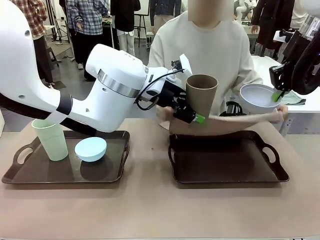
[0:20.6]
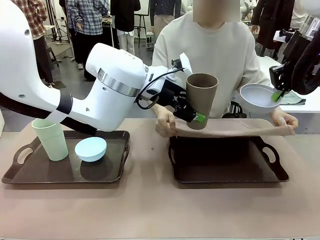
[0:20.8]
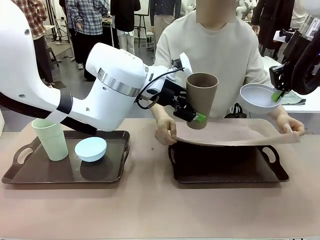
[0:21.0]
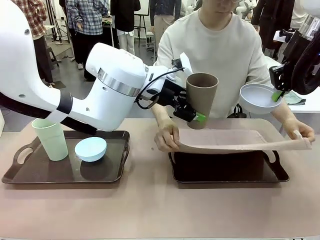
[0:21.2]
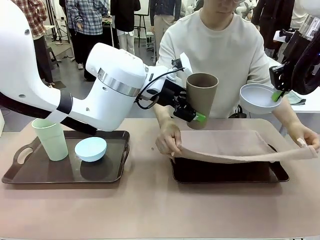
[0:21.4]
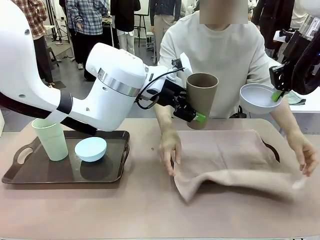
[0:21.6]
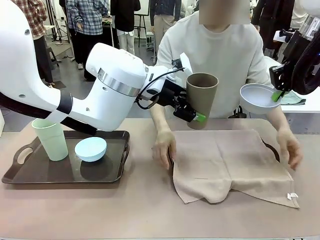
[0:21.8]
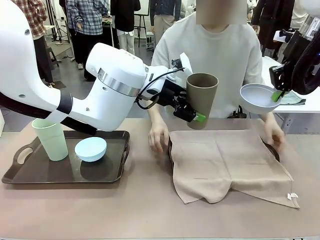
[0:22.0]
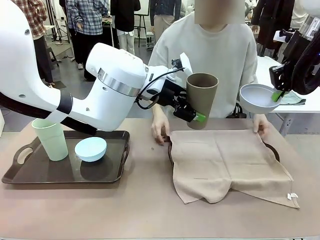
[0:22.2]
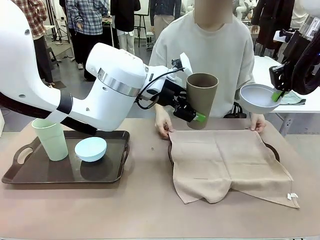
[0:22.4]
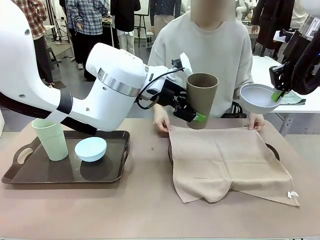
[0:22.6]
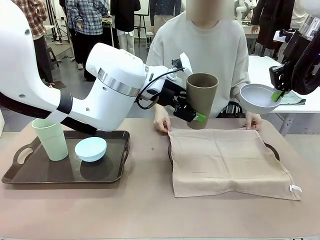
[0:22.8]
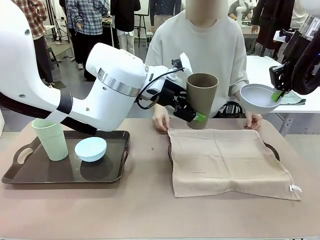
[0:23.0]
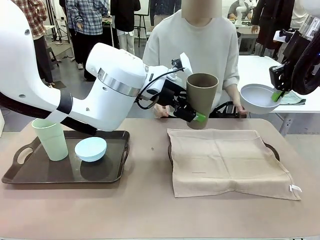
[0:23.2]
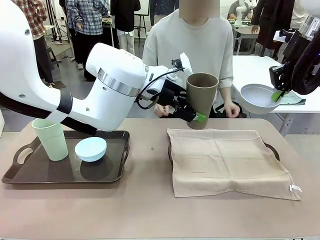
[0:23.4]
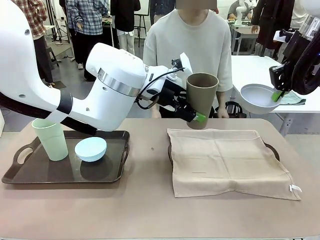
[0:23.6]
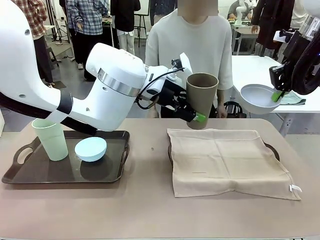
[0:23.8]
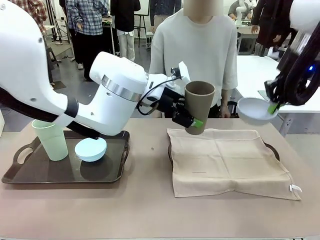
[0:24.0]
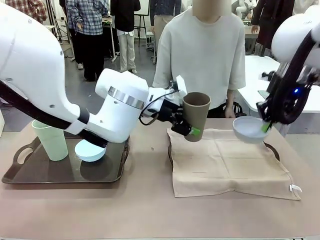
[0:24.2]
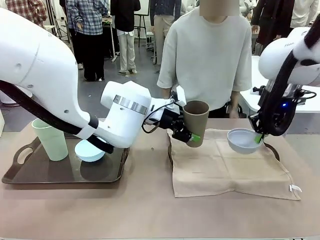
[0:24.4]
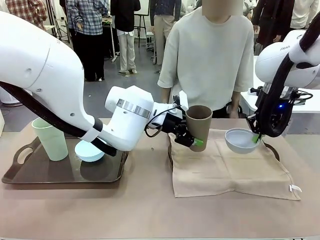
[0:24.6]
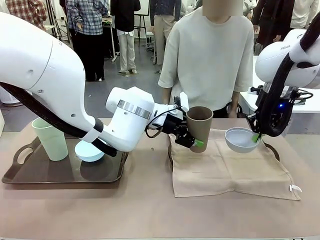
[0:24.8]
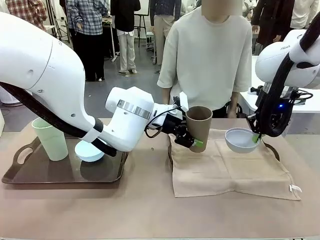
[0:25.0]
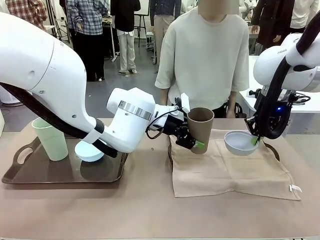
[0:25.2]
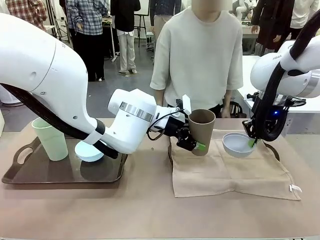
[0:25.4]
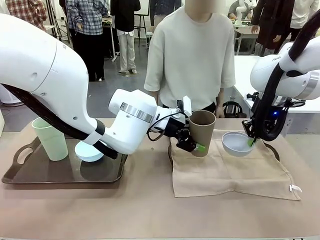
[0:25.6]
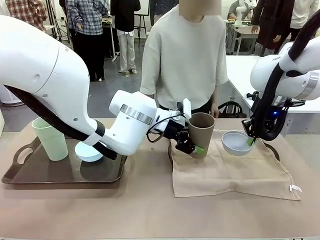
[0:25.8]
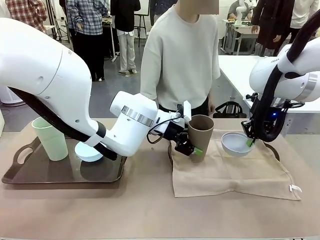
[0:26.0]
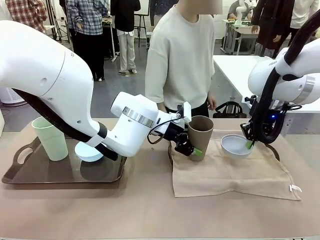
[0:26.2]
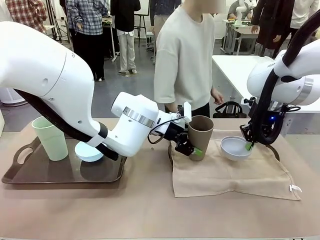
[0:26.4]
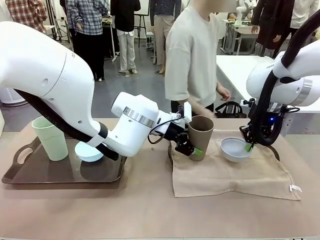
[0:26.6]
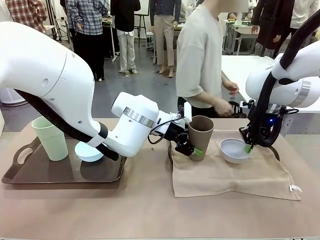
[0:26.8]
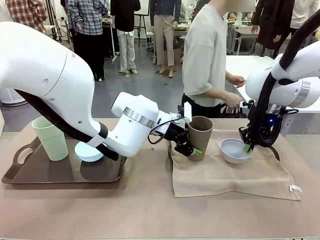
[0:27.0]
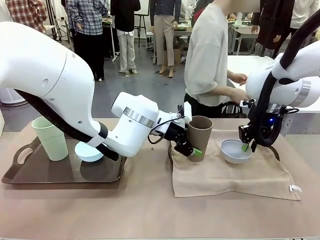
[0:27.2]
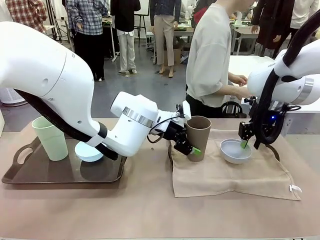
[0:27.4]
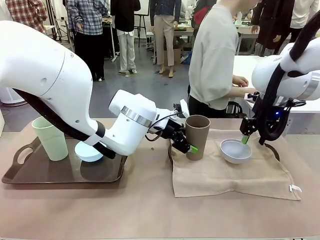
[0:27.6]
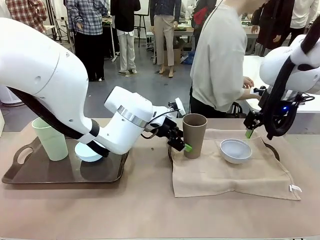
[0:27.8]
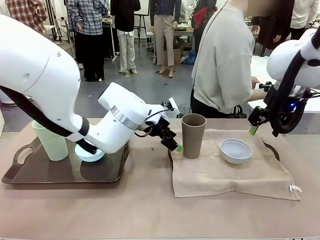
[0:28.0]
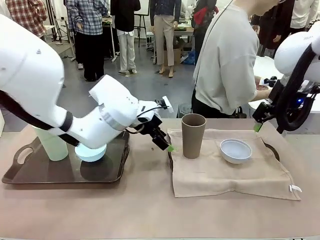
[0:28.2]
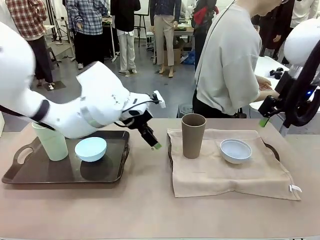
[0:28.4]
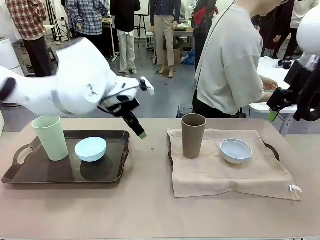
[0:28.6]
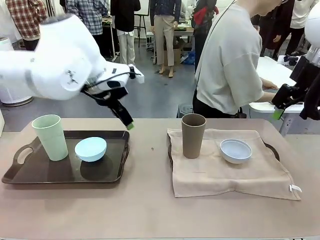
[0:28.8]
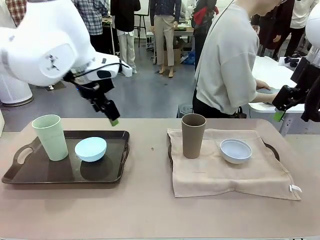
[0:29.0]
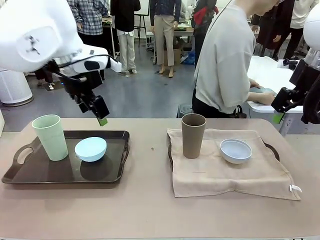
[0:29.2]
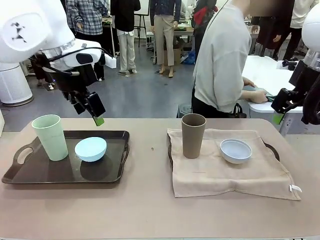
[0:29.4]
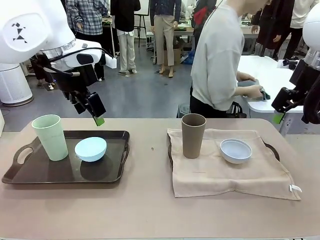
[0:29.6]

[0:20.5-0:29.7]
Robot: Place the Picnic Bowl and Reusable plastic cup back onto the Handle tray in front of the human's position.
